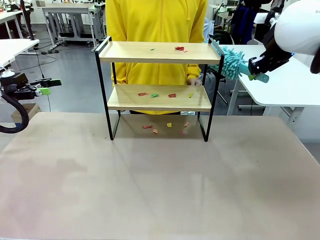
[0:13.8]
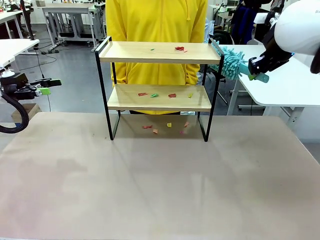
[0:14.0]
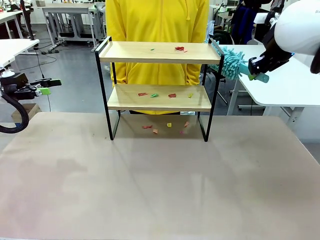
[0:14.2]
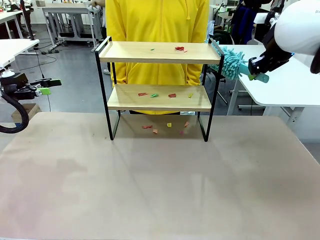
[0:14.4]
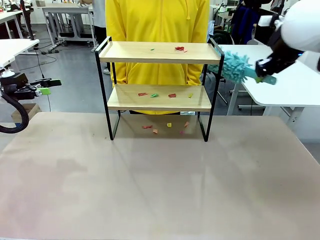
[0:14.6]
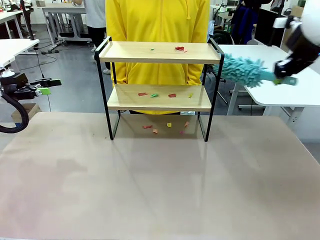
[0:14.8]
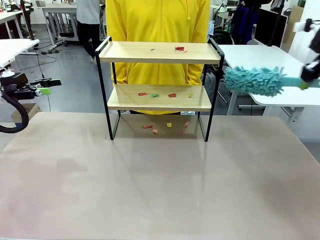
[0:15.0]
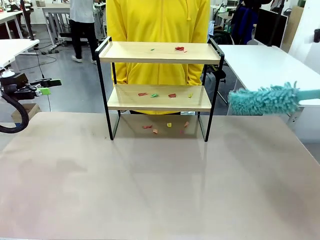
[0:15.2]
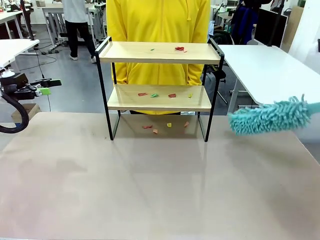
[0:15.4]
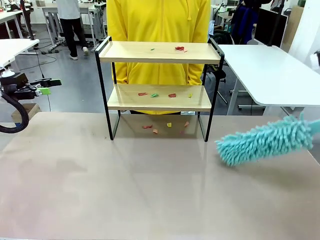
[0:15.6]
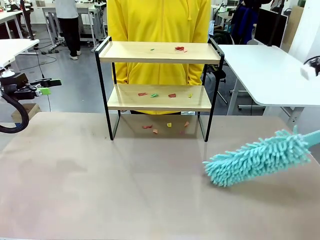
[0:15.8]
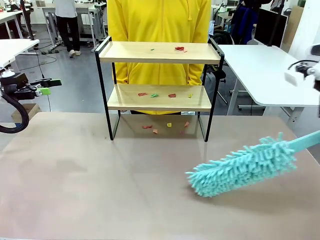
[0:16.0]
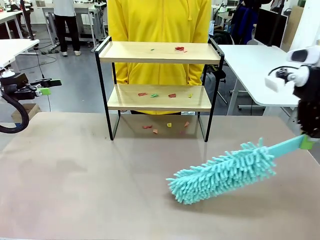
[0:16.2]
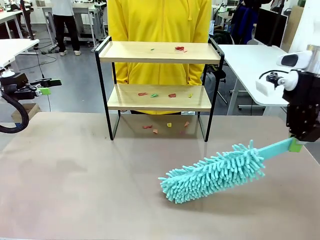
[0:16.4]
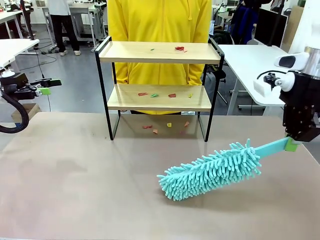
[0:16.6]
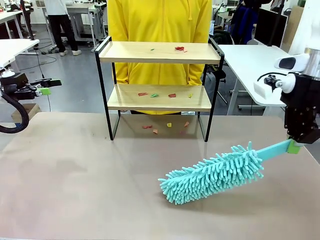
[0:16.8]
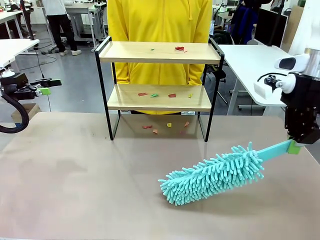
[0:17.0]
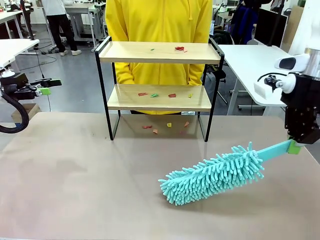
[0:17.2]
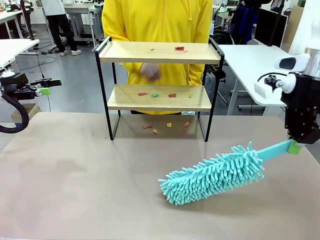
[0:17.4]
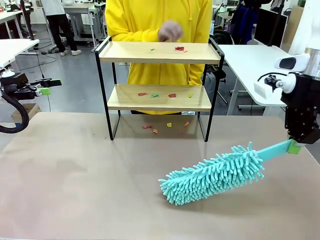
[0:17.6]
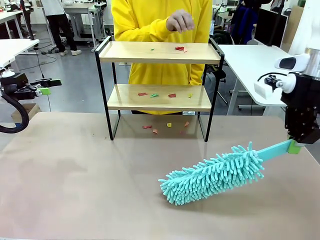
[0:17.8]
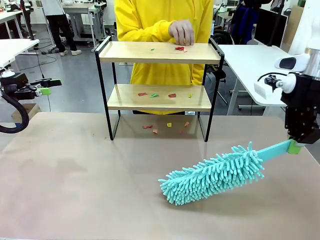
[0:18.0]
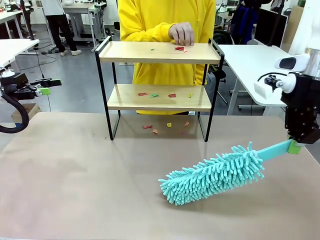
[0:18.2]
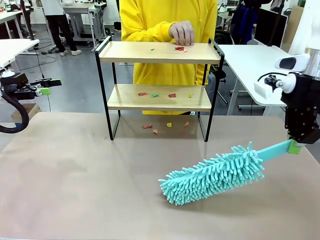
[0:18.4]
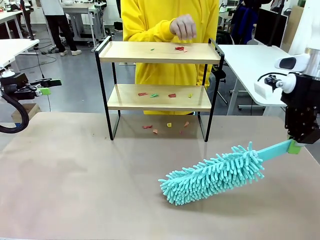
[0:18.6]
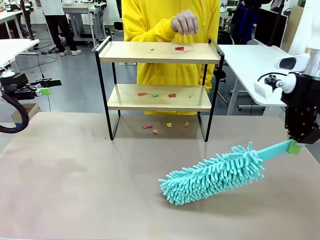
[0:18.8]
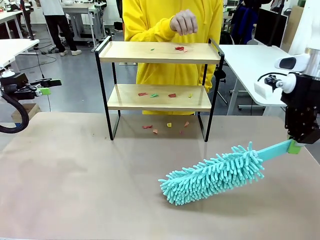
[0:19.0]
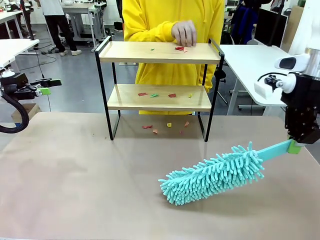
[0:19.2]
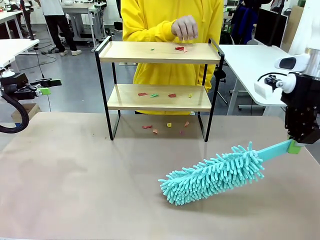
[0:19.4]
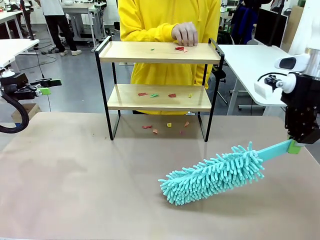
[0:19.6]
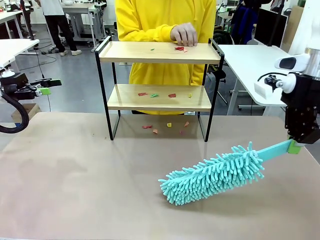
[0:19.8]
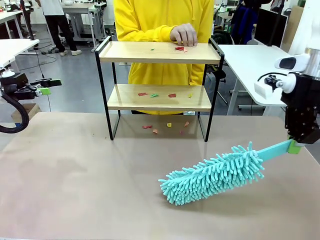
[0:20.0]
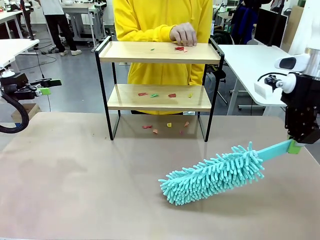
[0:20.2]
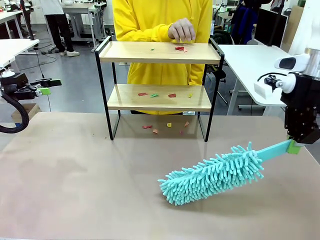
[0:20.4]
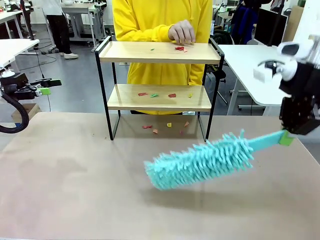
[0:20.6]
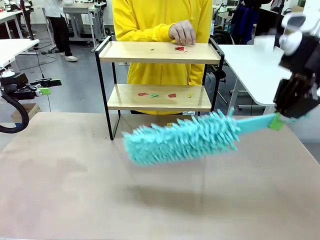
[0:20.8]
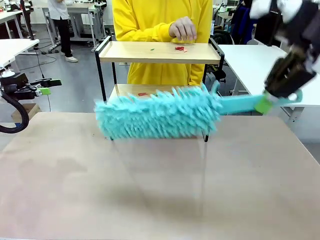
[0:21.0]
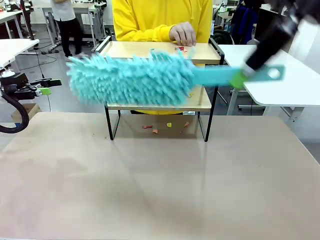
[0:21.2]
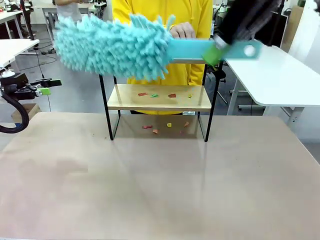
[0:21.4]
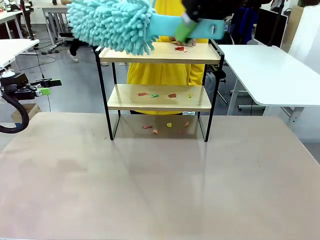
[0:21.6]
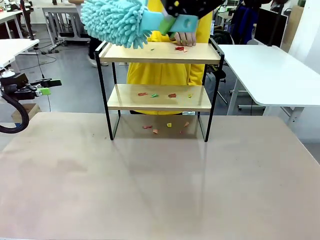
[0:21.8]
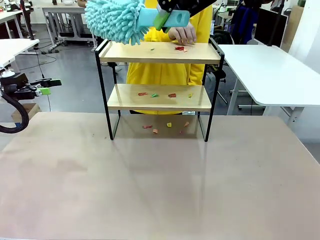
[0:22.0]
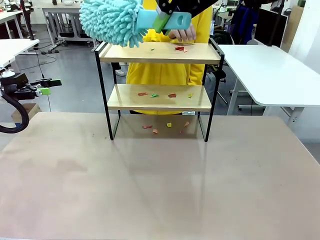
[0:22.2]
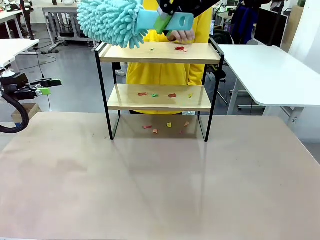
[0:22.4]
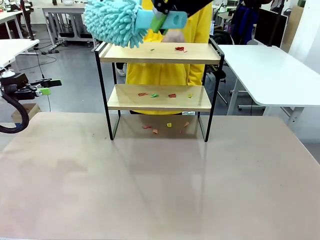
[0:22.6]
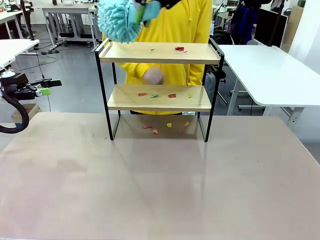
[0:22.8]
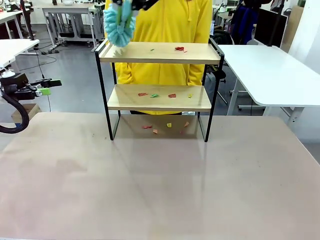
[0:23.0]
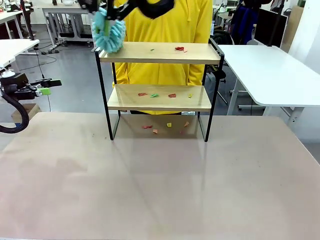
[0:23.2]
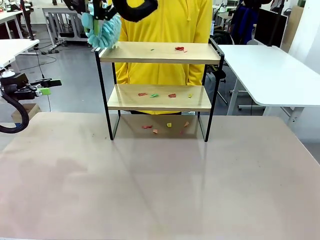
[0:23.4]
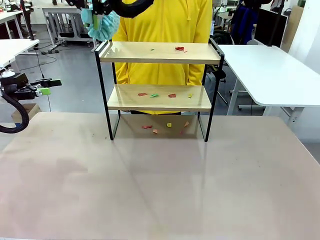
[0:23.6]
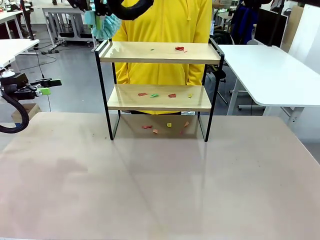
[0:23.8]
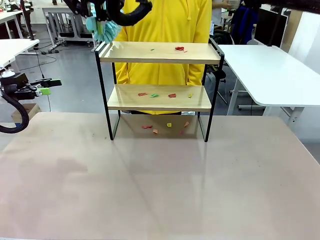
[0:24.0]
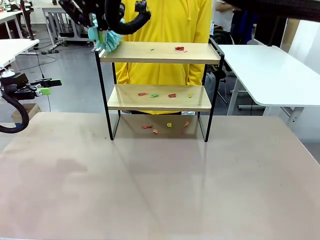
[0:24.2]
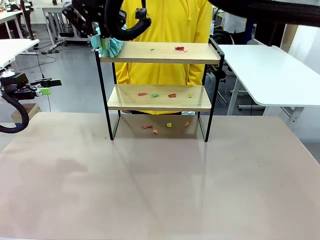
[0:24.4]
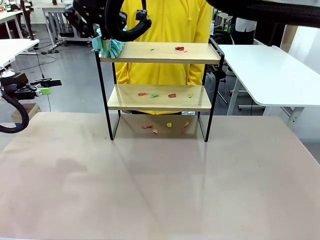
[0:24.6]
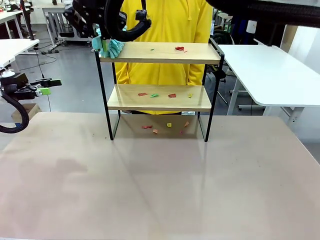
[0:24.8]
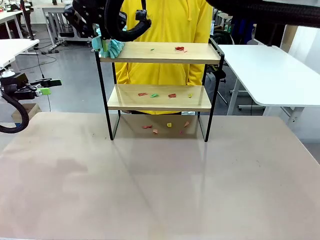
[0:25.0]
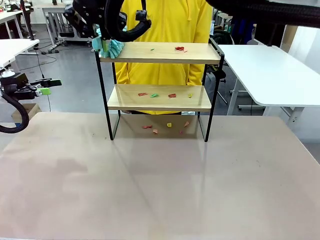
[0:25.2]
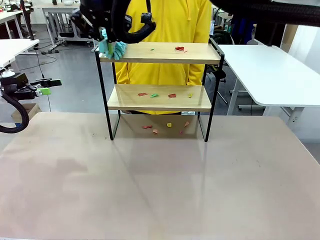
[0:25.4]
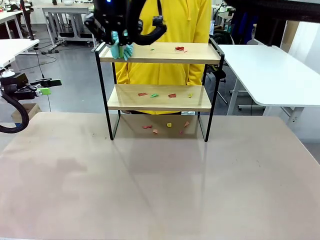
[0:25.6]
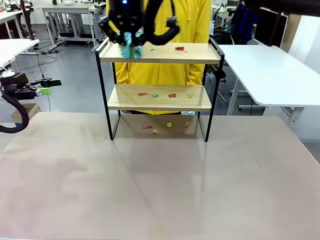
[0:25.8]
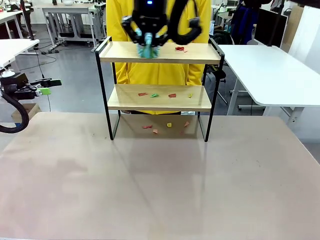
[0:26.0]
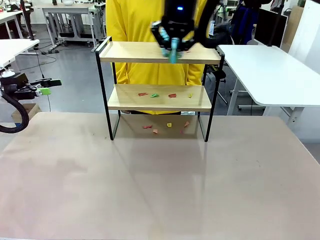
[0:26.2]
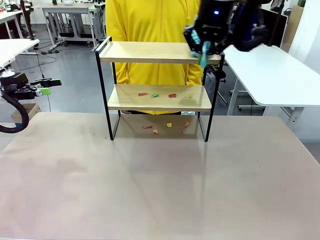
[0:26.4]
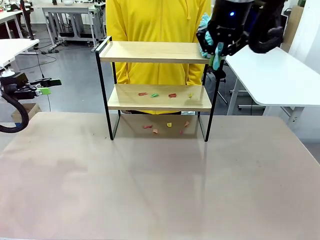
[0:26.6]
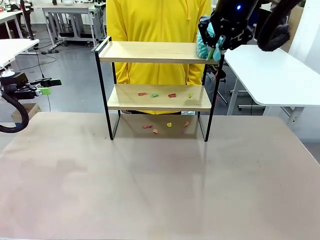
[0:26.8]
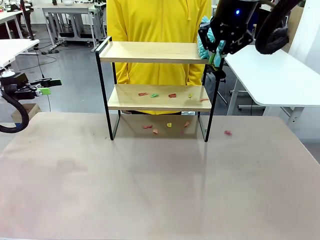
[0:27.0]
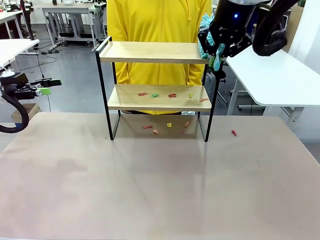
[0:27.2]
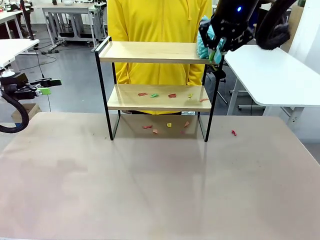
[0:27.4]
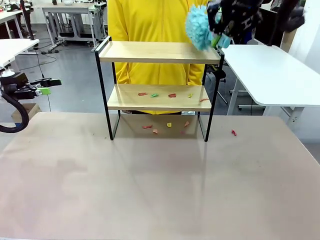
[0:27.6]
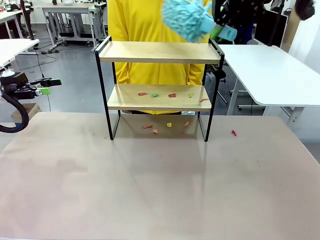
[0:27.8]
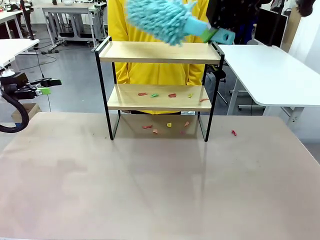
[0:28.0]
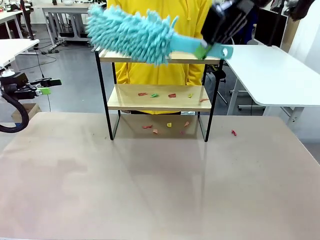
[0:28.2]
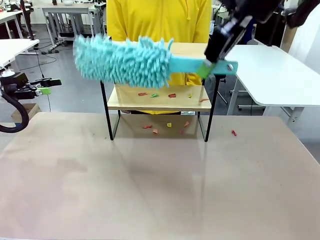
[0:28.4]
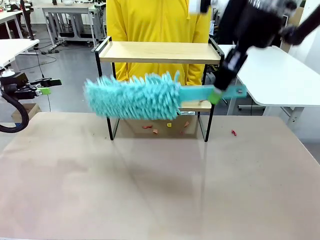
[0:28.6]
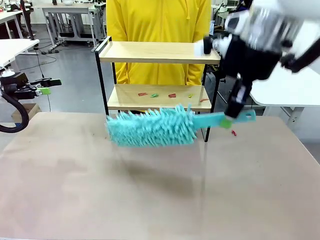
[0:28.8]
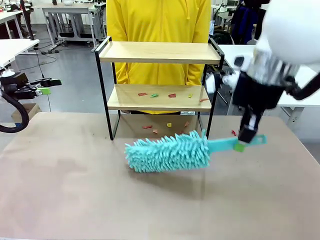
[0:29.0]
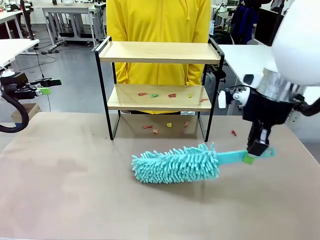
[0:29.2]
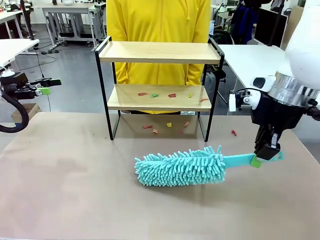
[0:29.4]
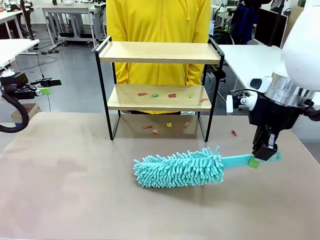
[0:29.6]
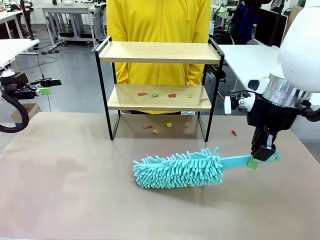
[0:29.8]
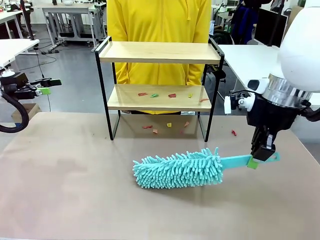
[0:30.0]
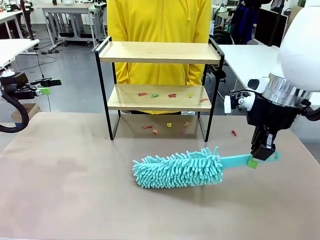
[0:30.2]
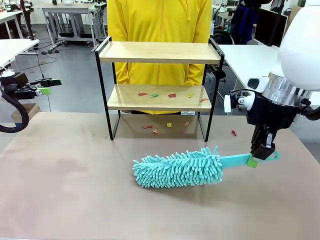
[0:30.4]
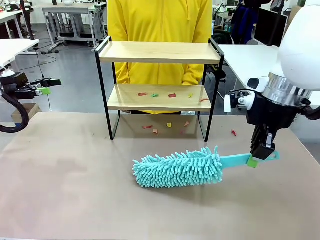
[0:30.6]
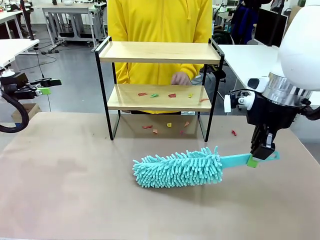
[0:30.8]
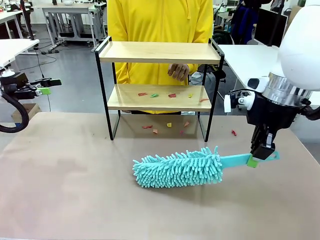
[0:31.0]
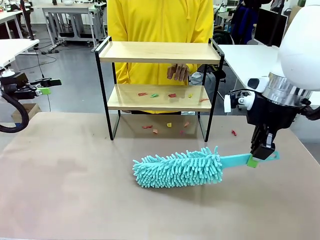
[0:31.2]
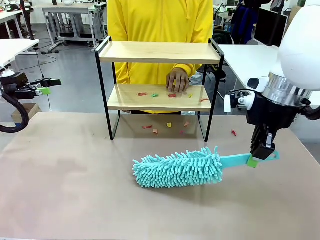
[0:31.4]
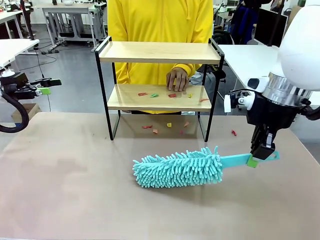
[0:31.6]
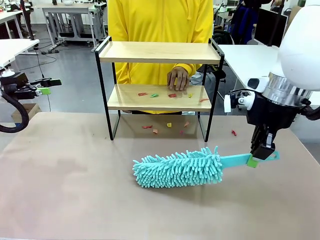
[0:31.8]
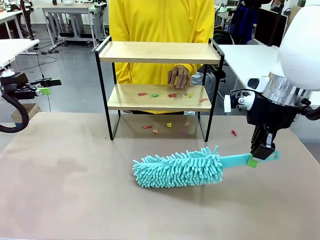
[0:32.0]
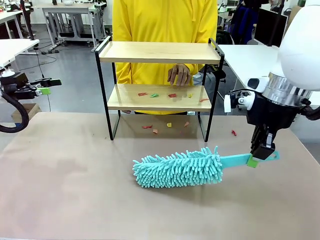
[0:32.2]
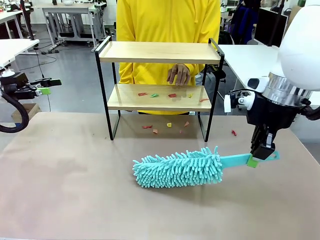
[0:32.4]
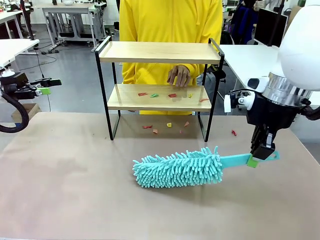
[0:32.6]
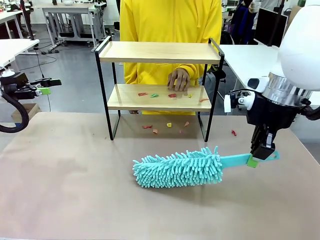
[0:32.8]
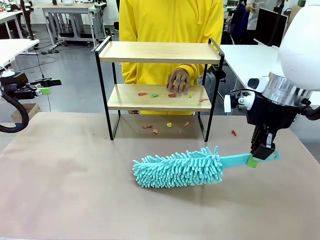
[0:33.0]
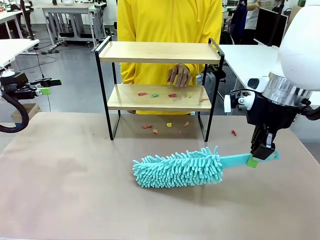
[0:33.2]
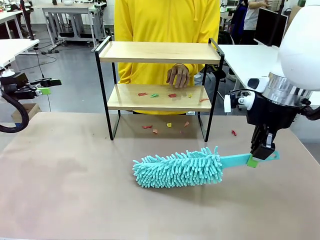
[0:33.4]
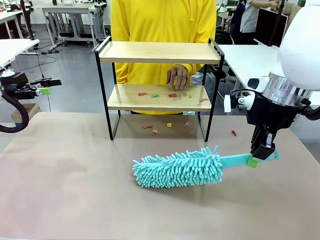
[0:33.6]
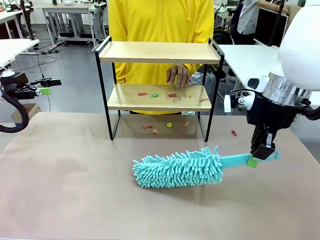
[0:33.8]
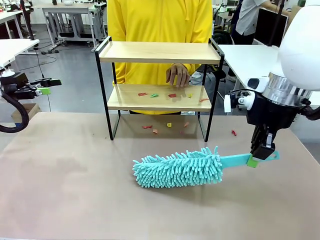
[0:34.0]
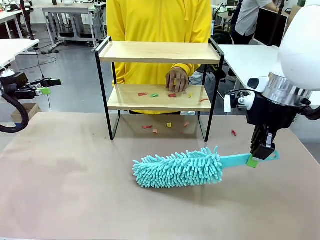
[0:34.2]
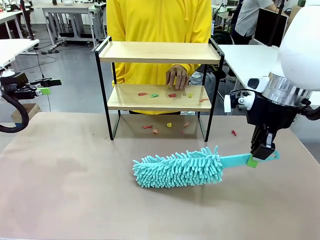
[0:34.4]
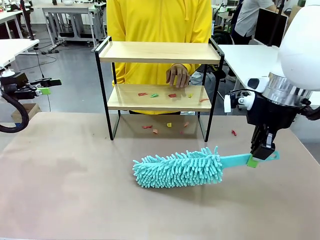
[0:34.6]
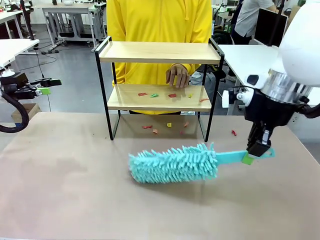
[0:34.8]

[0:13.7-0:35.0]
Task: Clean the shelf.
Robot: Clean the specific section of the Shelf indicated by the human with the Duster.
Person: Point a random section of the Shelf.
